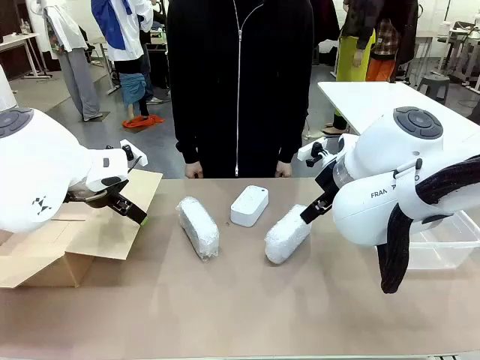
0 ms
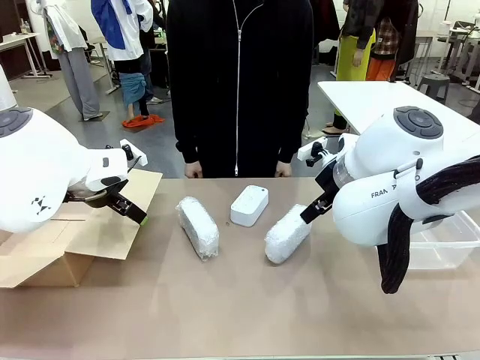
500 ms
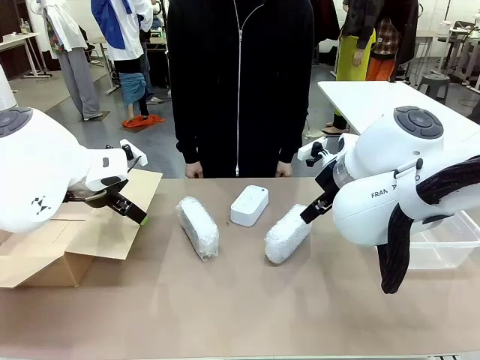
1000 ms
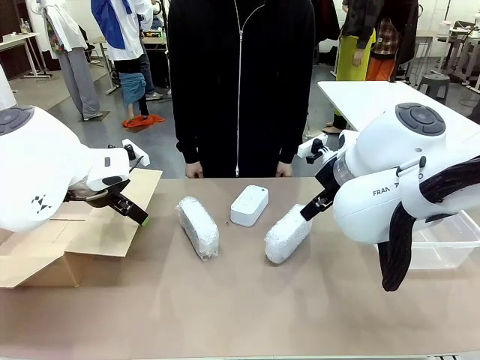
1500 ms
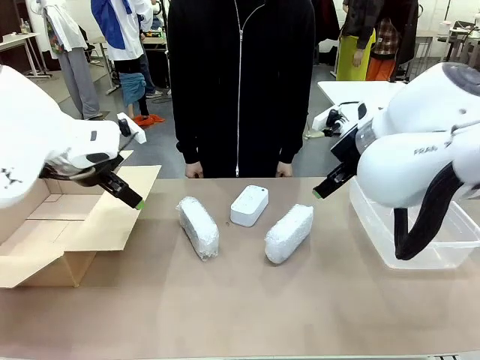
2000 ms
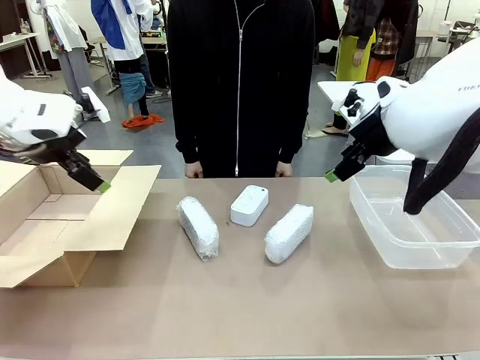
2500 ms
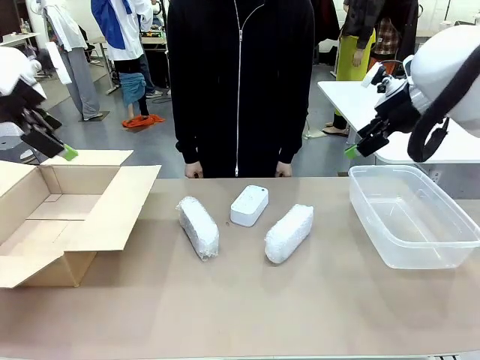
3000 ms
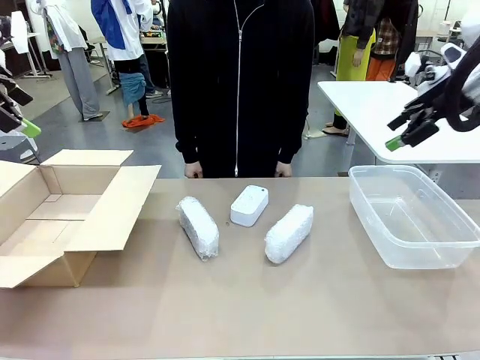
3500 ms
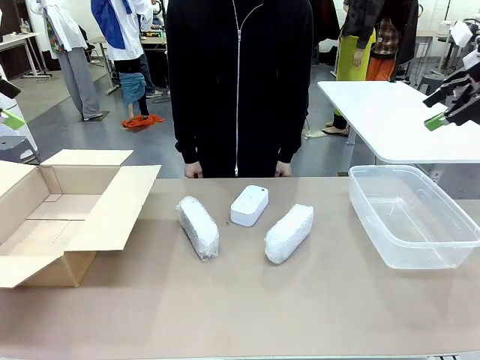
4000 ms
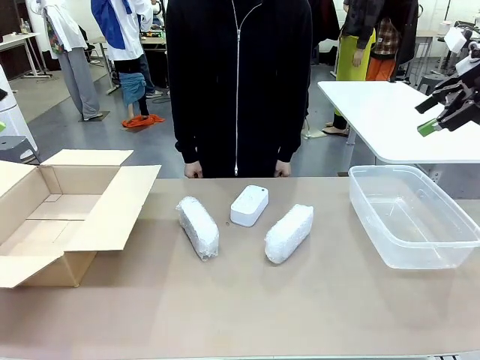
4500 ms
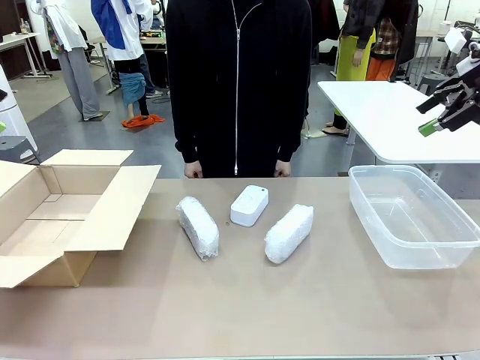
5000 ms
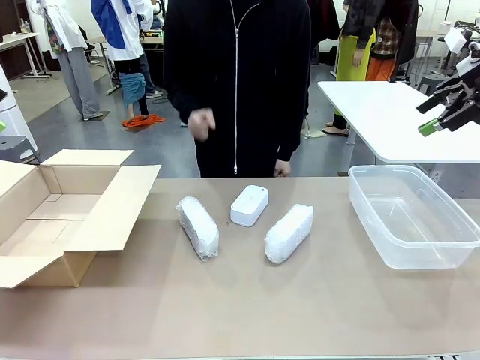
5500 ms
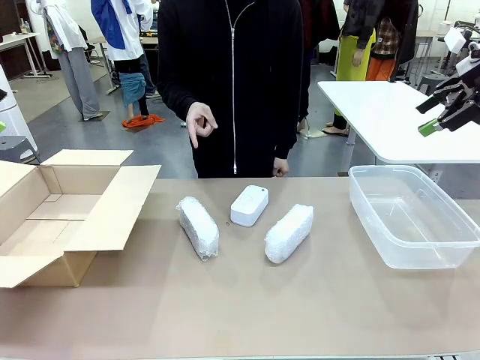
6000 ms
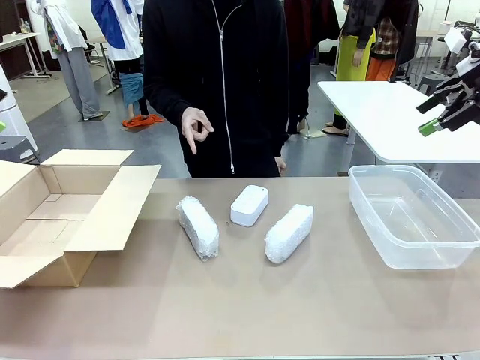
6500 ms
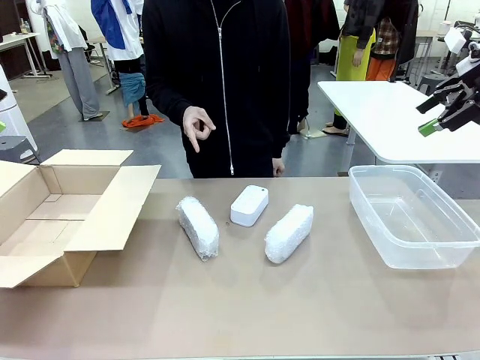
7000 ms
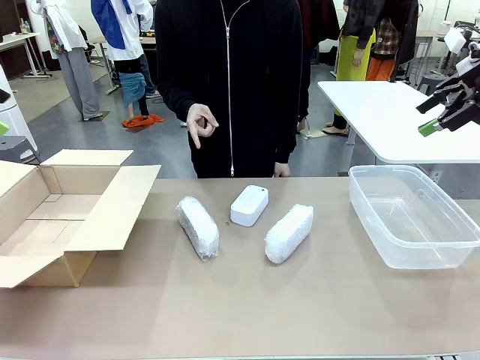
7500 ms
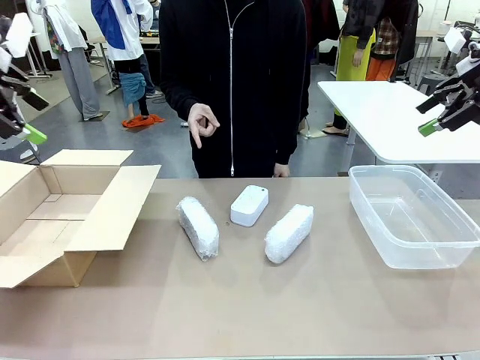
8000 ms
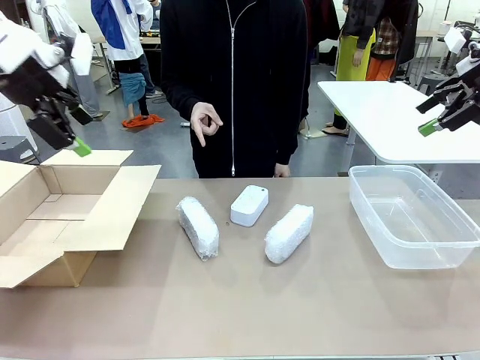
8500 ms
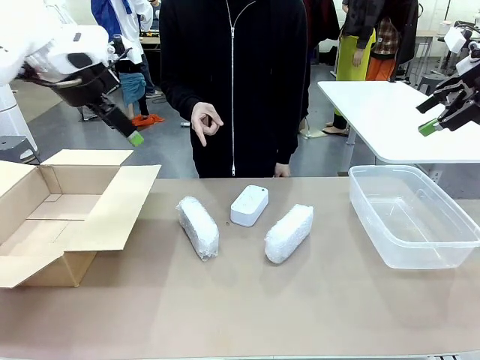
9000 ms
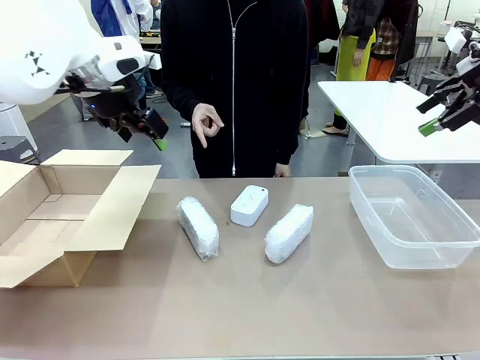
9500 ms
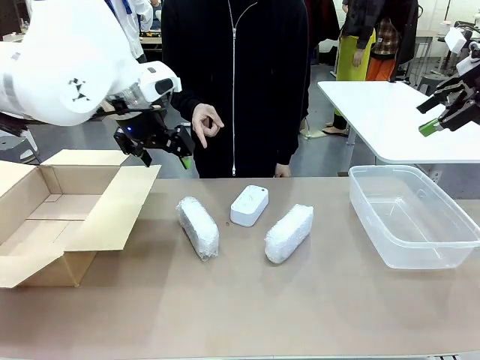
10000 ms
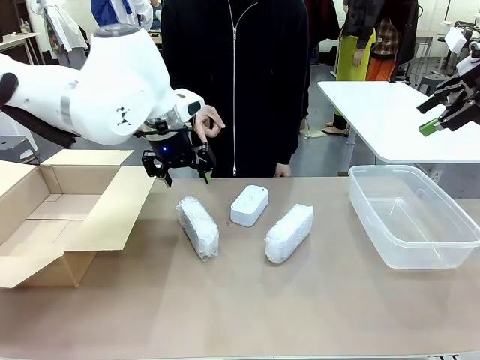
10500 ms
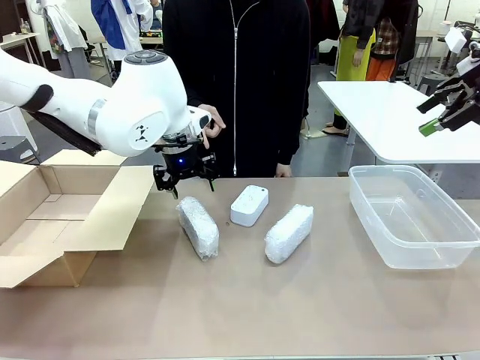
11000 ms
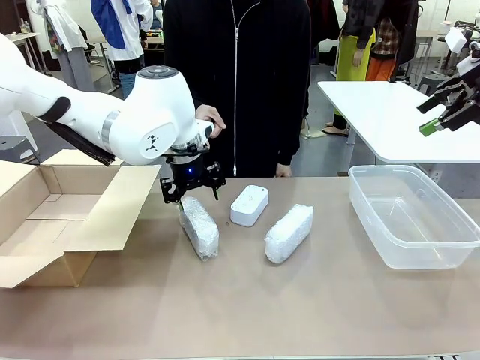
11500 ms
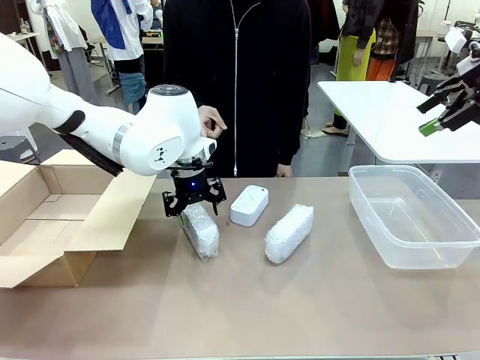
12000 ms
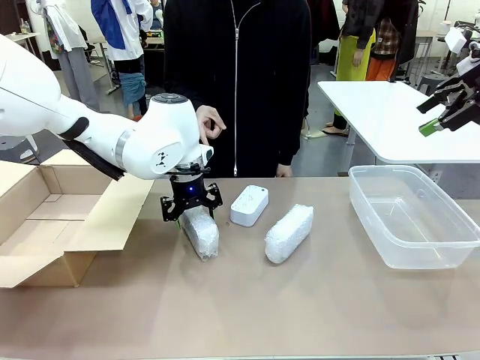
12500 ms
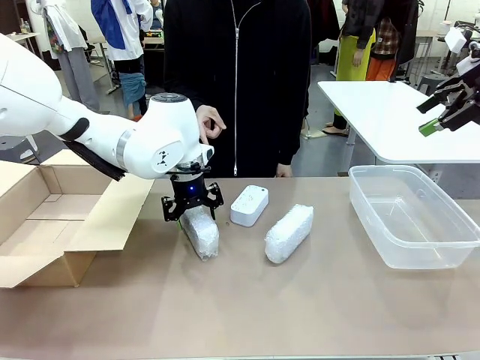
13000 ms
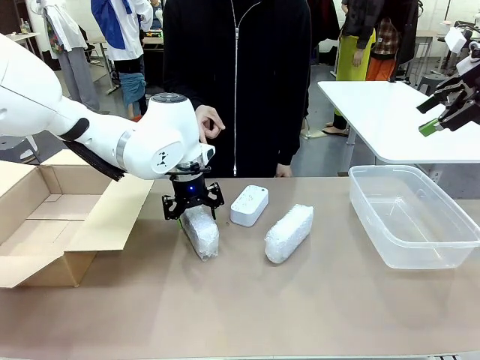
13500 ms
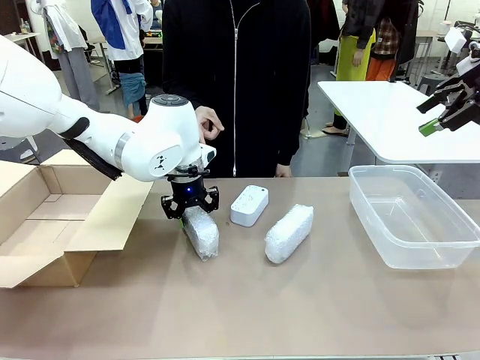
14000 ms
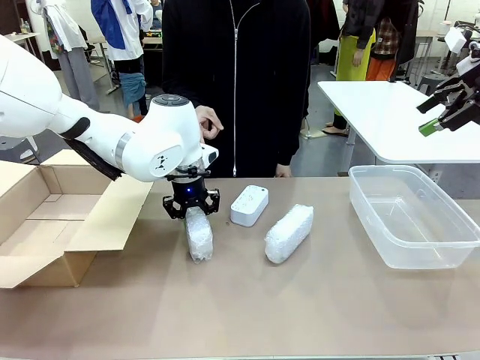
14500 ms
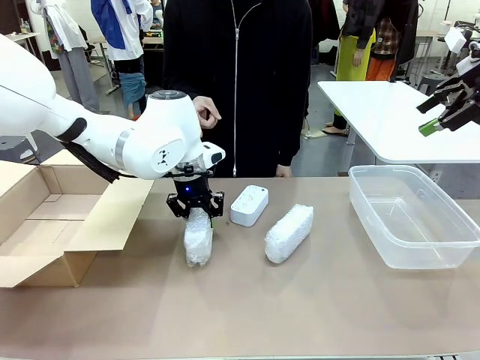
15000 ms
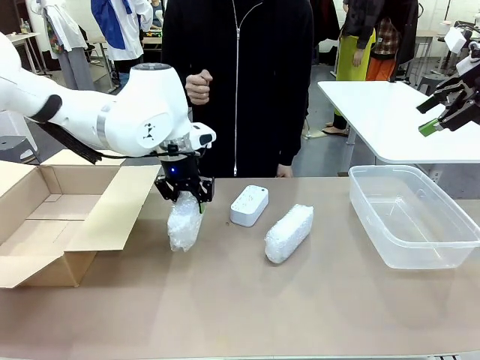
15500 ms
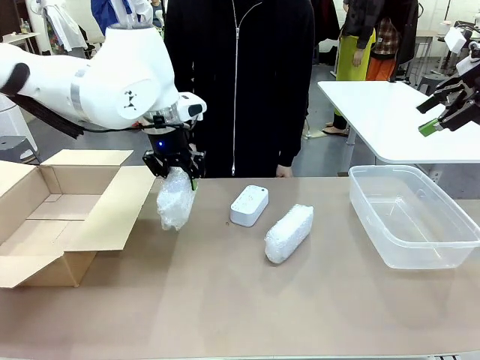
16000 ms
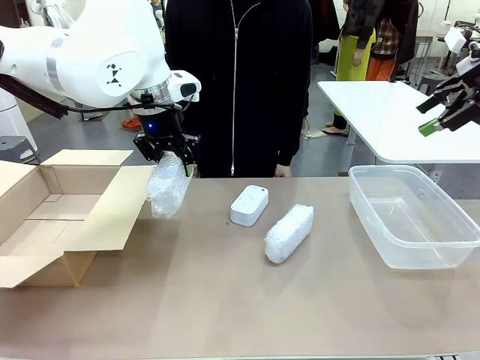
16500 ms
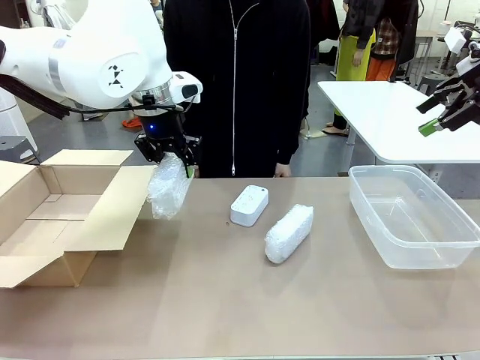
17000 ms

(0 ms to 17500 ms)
Task: Separate and place wrapped and unwrapped clocks.
Robot: Pick up the Digital clock indicated by the person.

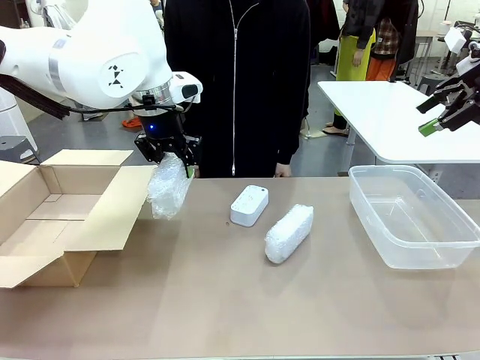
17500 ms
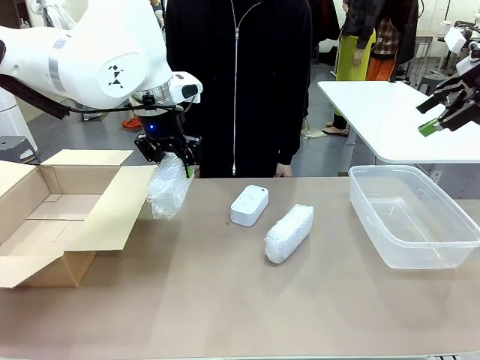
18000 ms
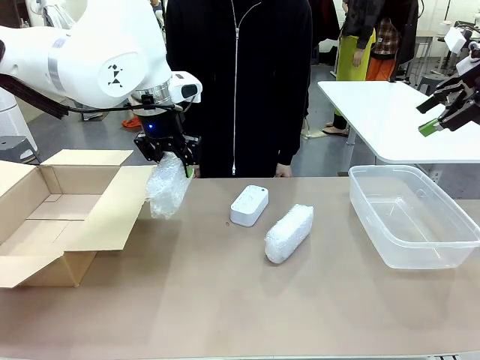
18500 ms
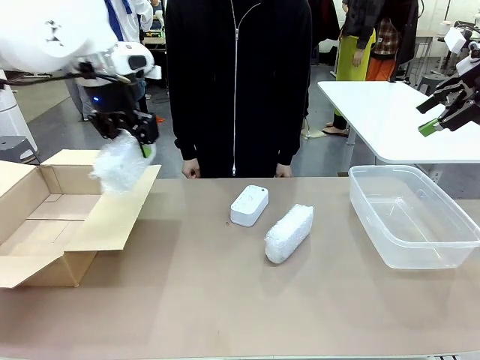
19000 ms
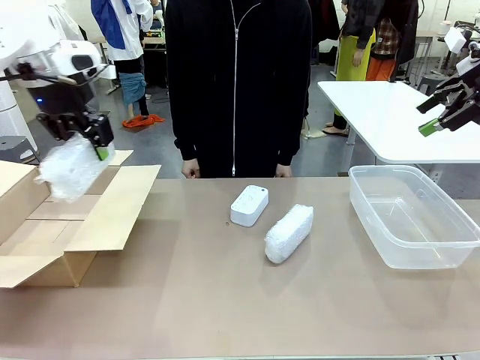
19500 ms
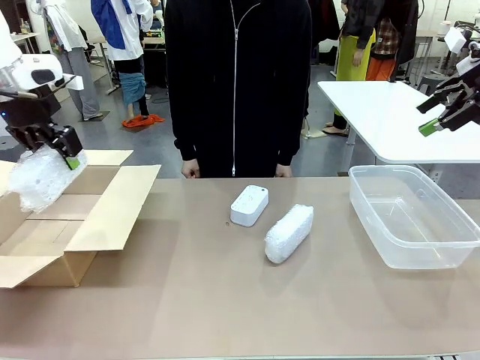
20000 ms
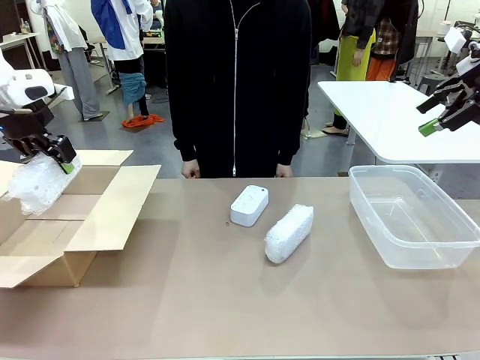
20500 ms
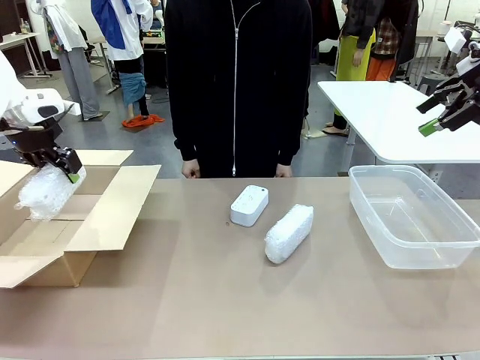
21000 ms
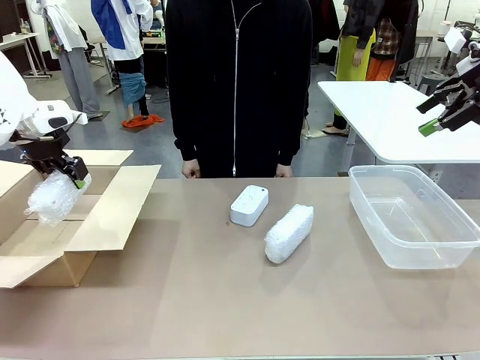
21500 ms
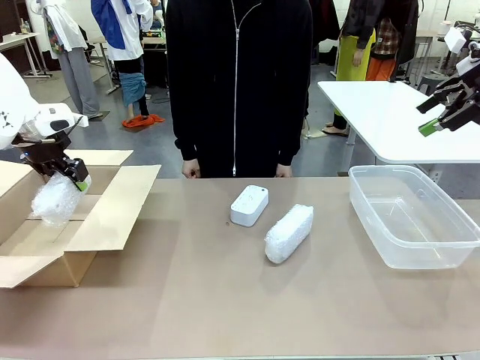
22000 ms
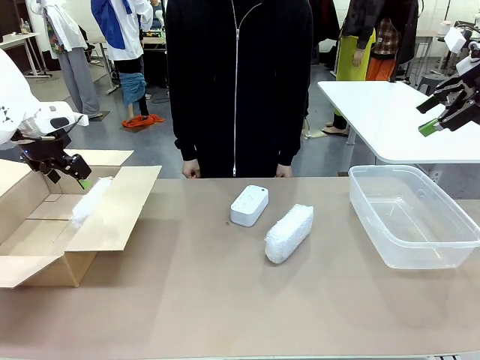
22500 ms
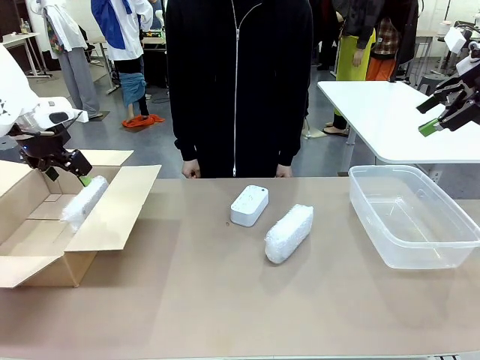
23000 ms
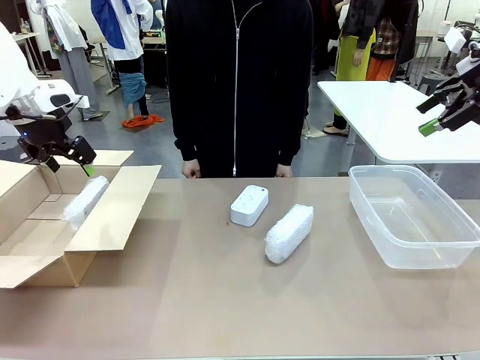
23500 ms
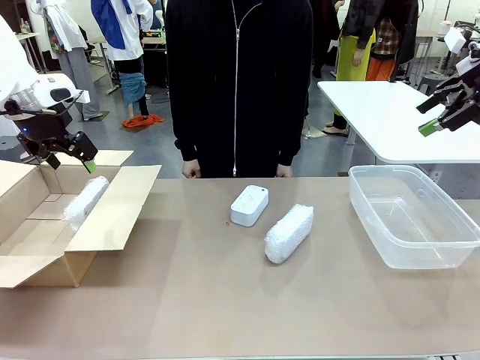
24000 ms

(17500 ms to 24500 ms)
Robot: If the picked Digital clock is wrapped, place it in the Package Box ; if not, place it in the Organizing box.
